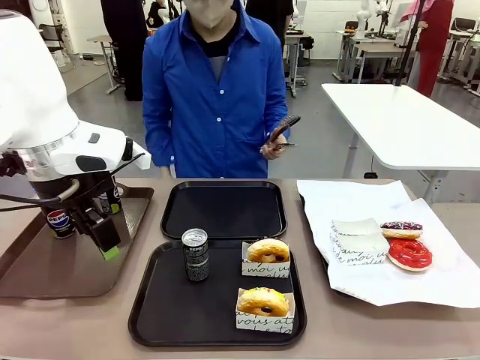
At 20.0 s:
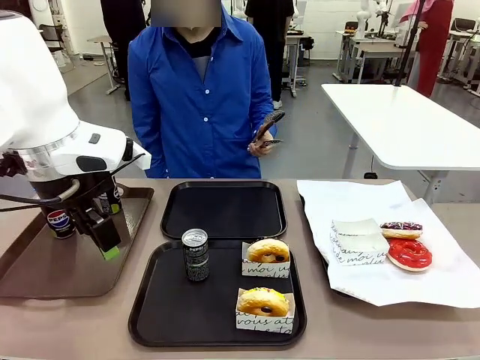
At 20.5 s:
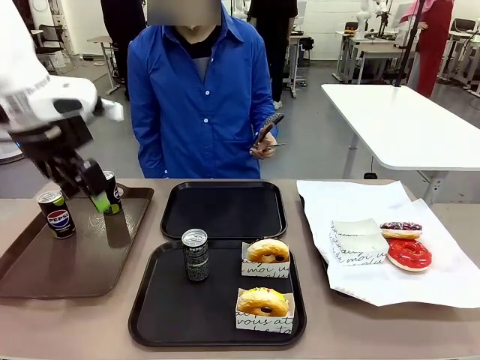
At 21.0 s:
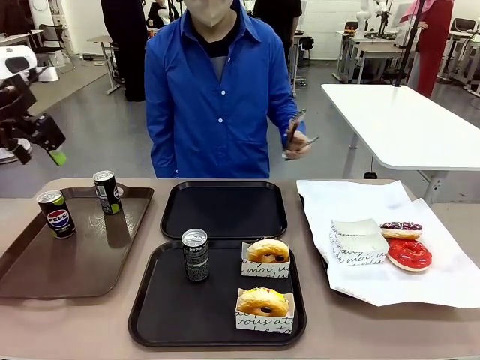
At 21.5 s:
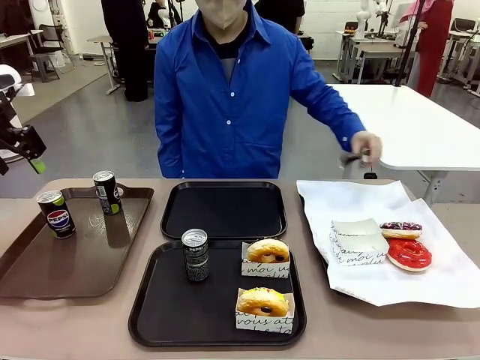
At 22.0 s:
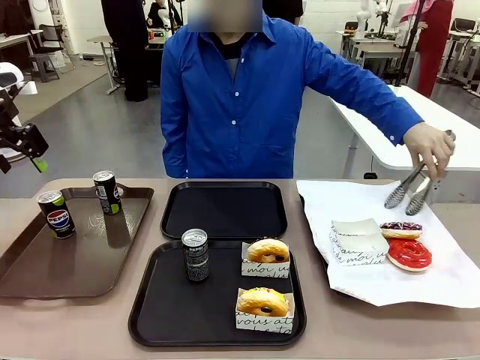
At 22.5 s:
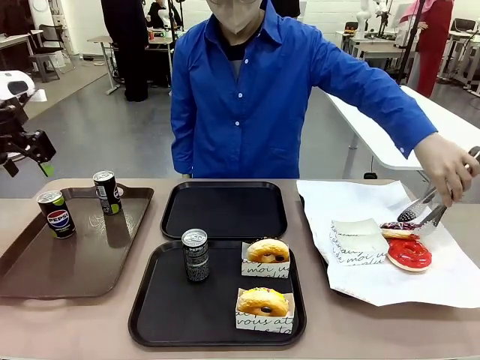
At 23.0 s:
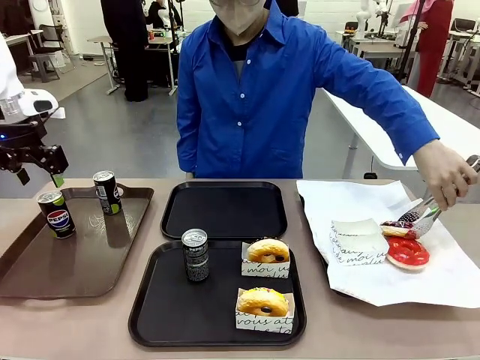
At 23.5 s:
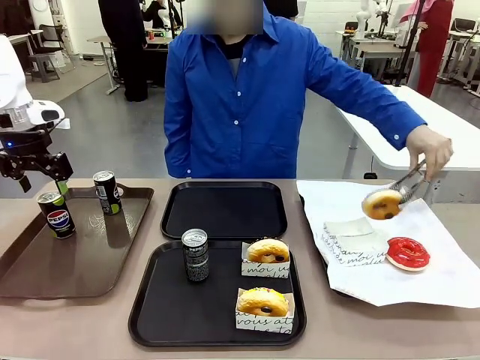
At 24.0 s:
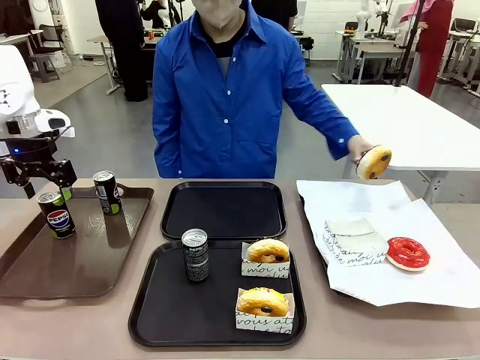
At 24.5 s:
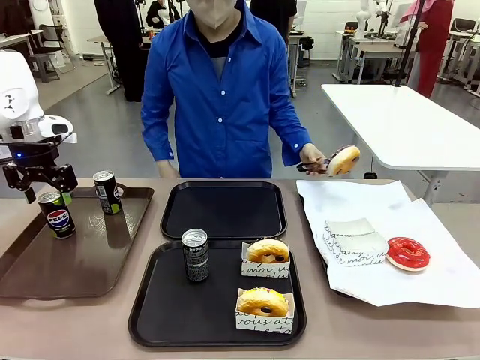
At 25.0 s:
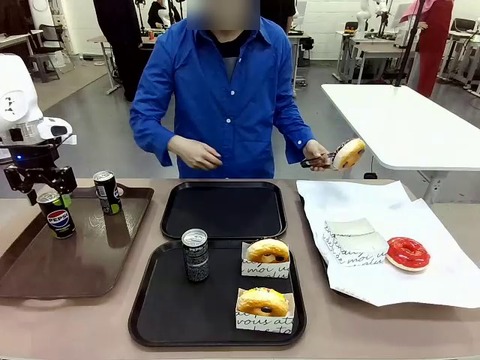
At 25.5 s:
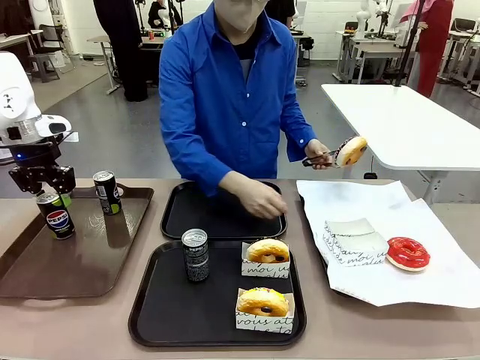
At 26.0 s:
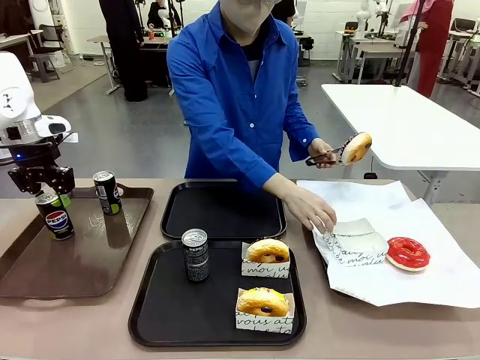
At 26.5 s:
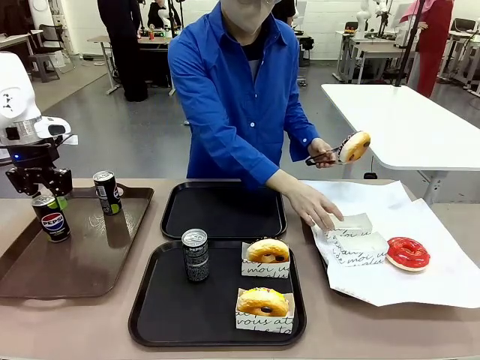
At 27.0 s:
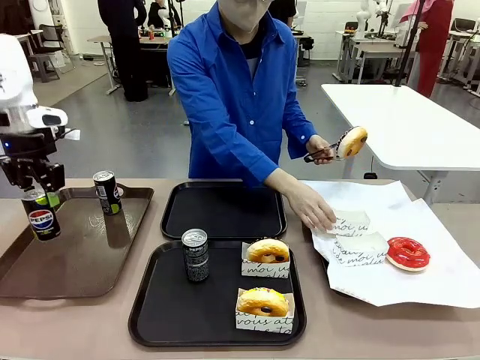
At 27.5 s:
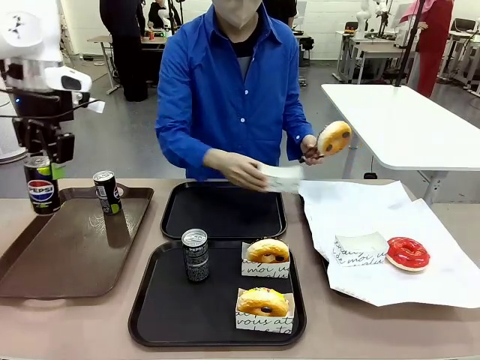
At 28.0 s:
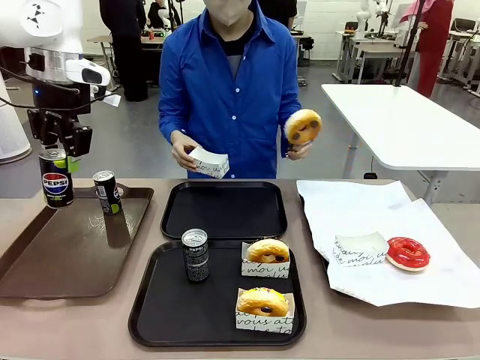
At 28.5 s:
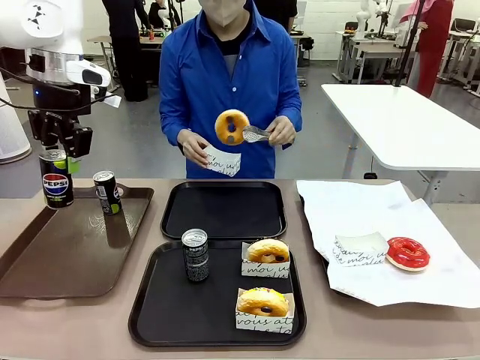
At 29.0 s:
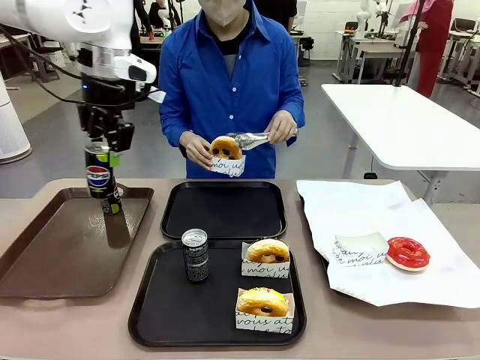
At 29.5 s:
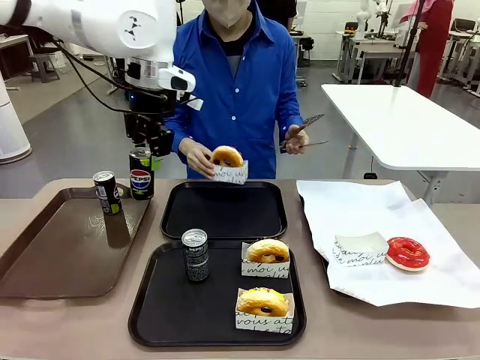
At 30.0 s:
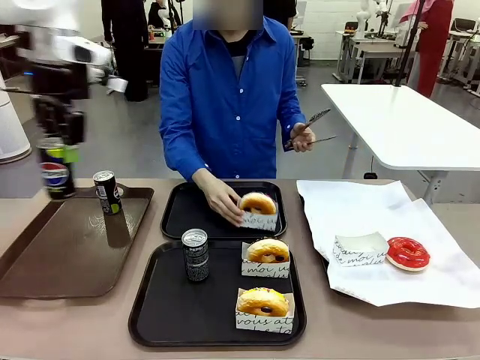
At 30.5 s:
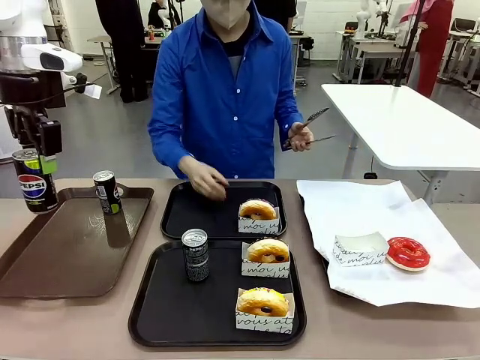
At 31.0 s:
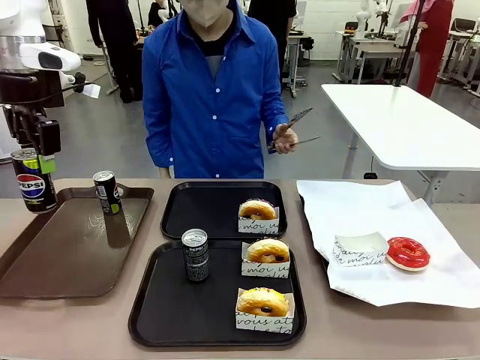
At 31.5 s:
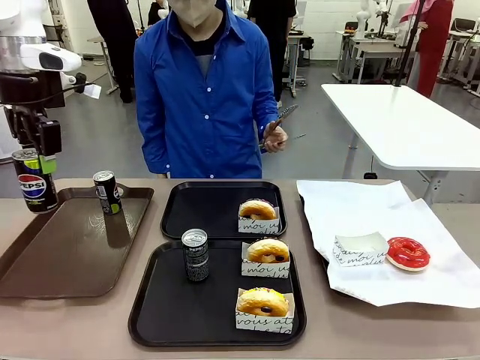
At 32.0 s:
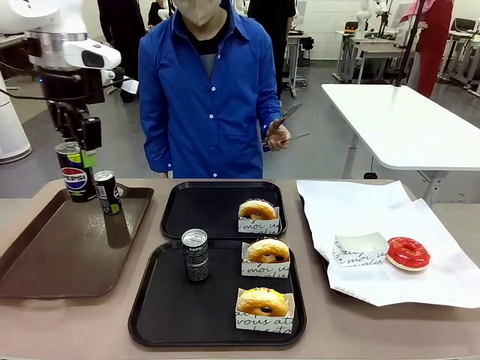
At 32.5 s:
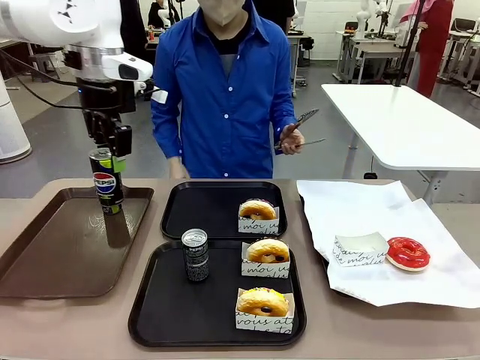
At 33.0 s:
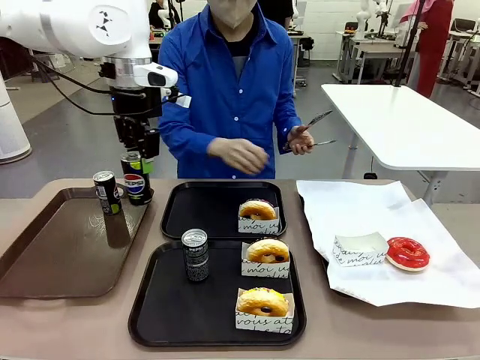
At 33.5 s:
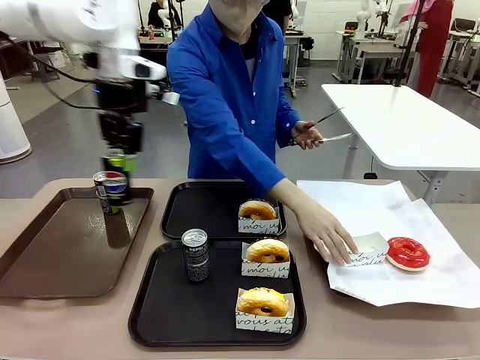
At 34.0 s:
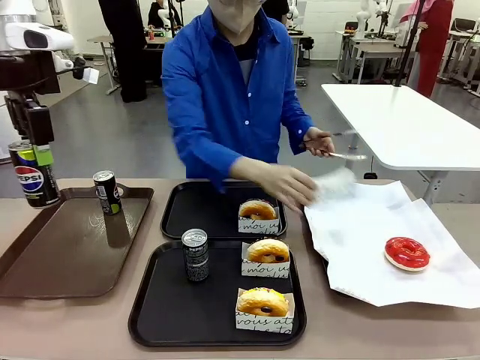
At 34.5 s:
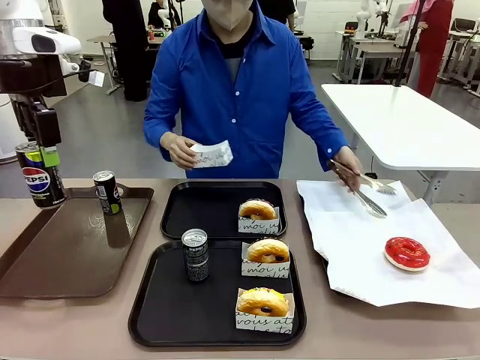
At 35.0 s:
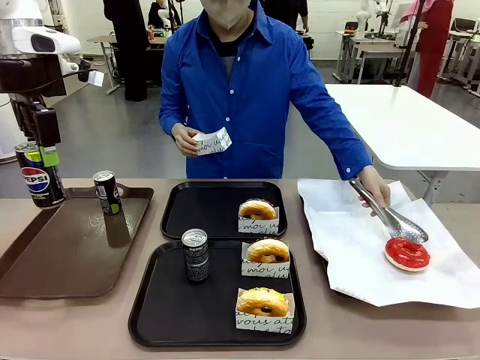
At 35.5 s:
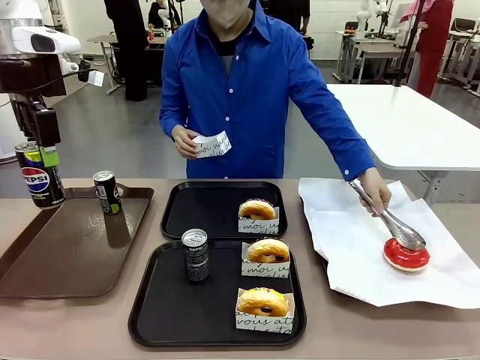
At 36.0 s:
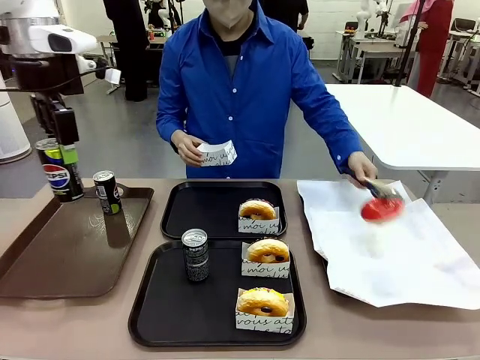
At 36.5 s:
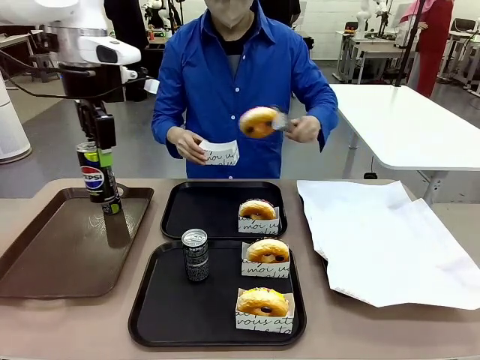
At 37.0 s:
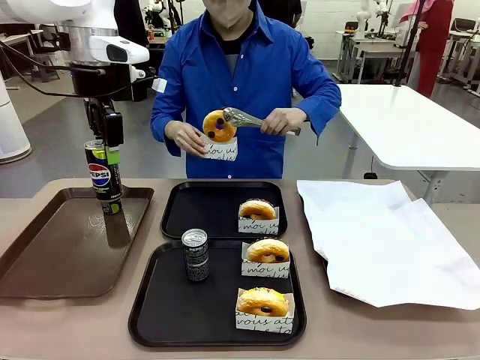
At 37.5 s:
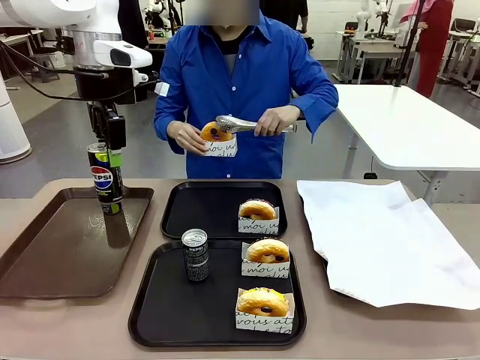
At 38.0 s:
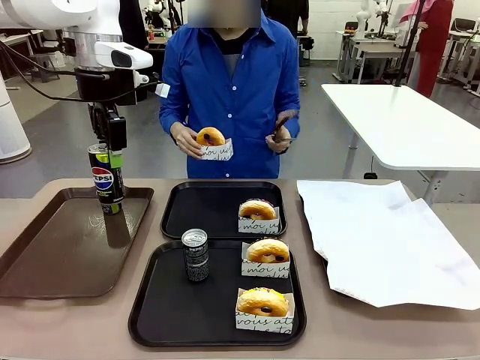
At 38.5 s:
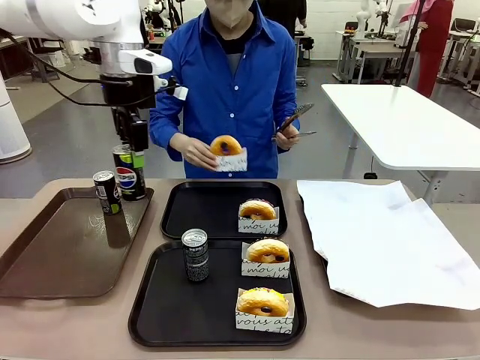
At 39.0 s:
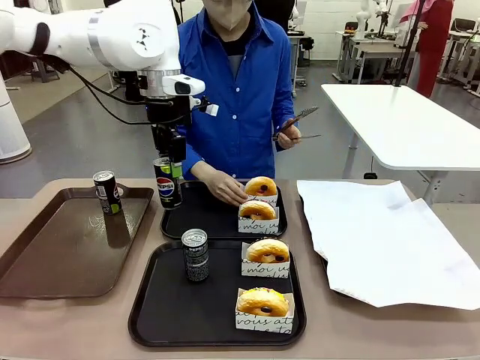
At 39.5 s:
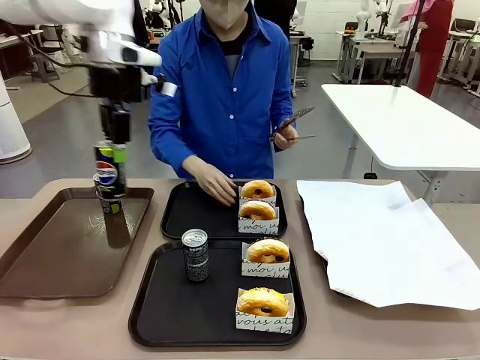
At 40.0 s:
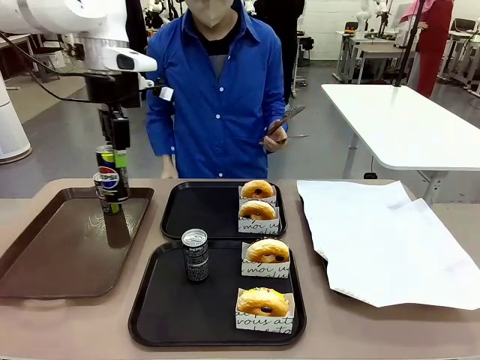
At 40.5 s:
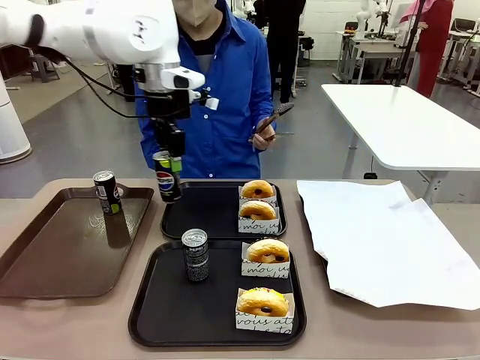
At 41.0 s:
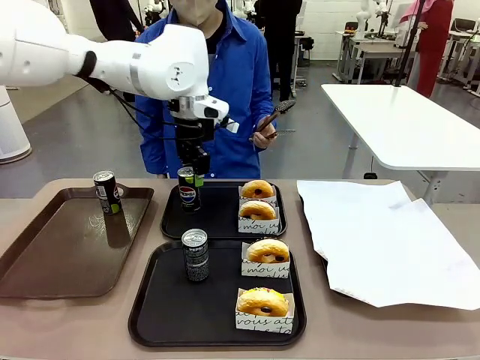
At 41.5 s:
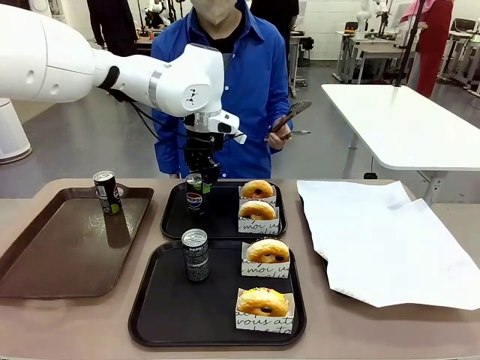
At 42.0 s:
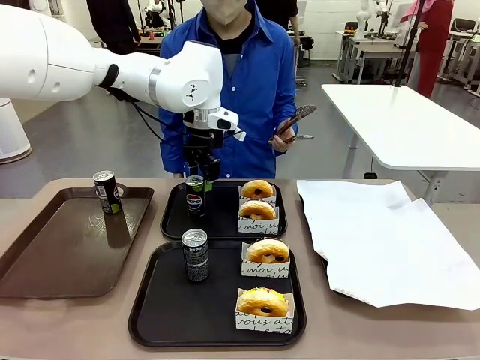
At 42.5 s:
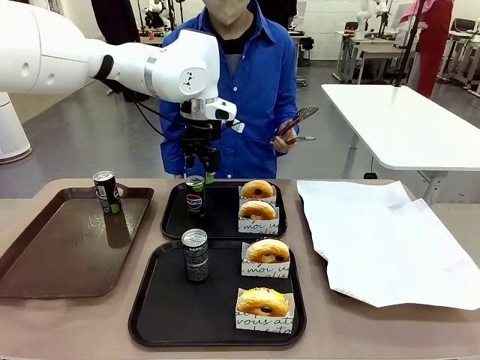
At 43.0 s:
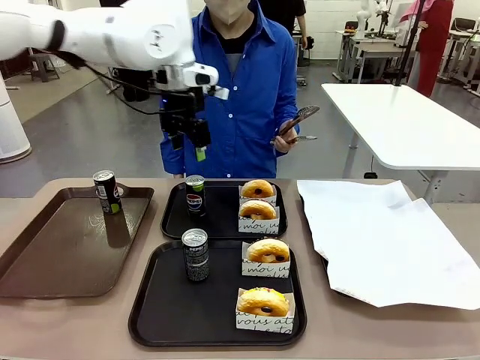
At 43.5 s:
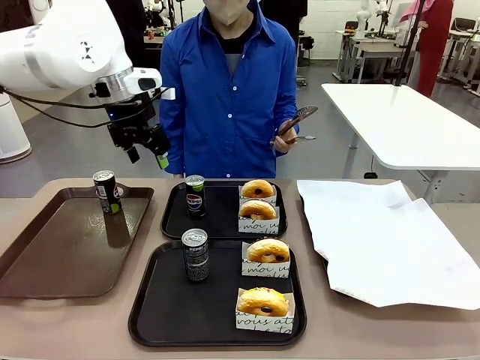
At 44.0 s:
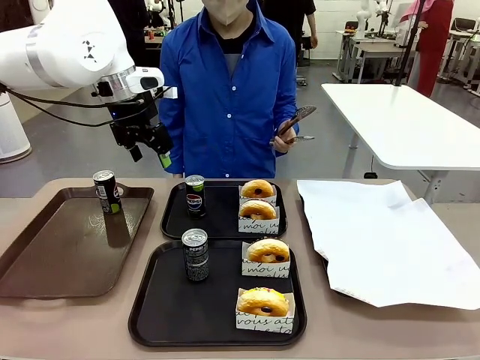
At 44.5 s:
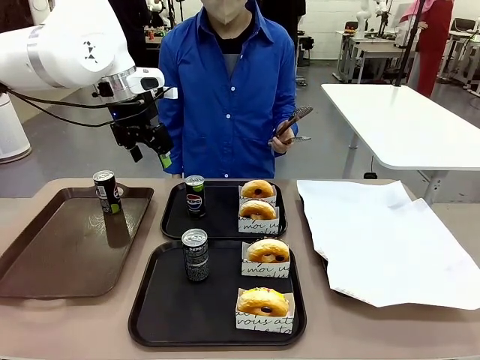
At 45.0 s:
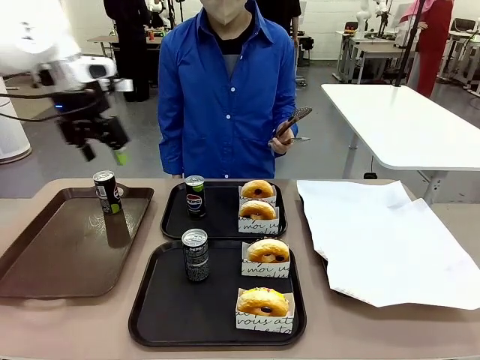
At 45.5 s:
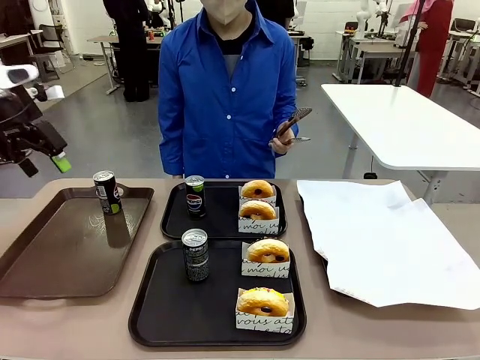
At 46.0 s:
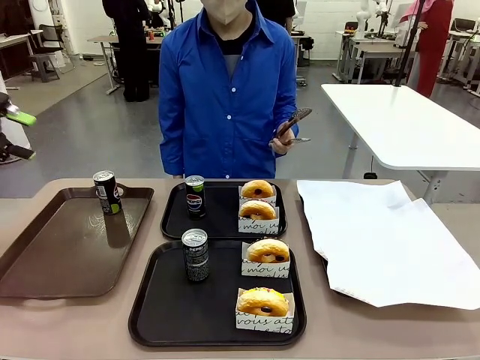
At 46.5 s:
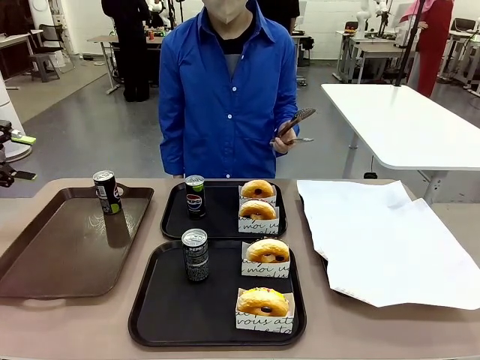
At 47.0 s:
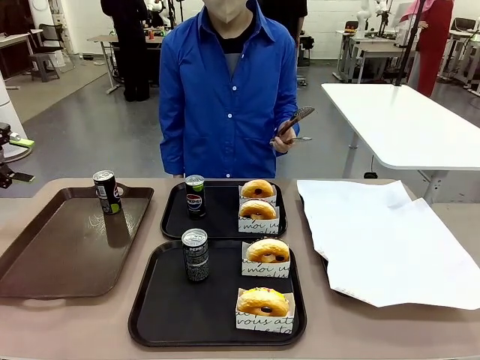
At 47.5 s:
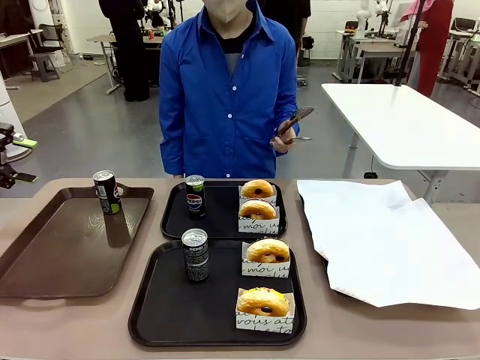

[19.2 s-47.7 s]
Task: Set up donuts and drinks on trays.
Robot: Pick up one Pepsi coke from the Handle tray and place it on the Flat Tray without a Pepsi coke.
Person: Pick up one donut with tongs, place it in the donut tray, and then place the donut tray on the flat tray.
